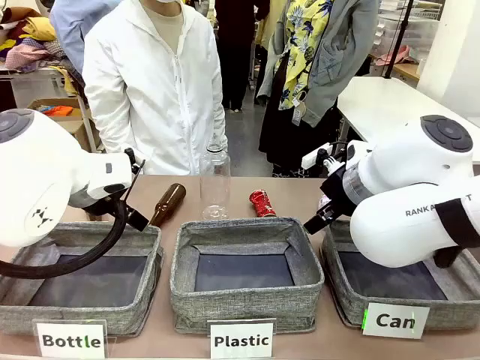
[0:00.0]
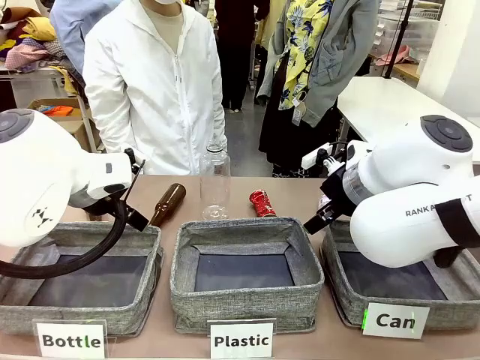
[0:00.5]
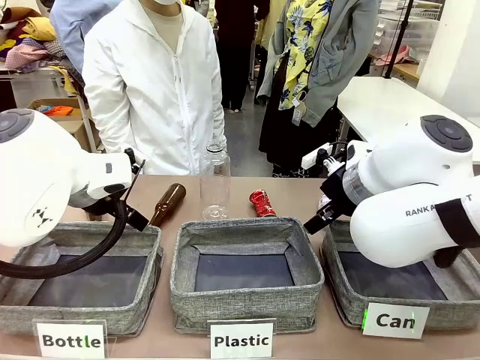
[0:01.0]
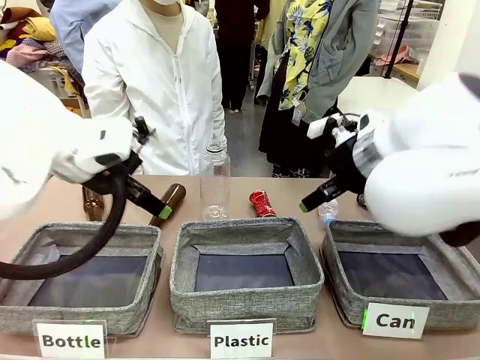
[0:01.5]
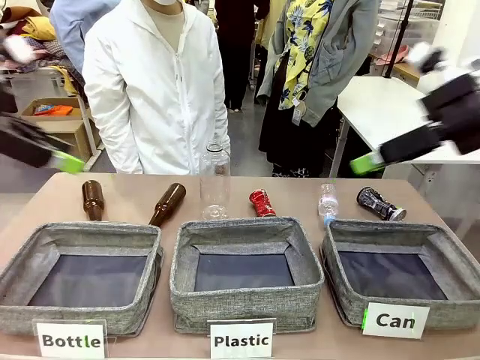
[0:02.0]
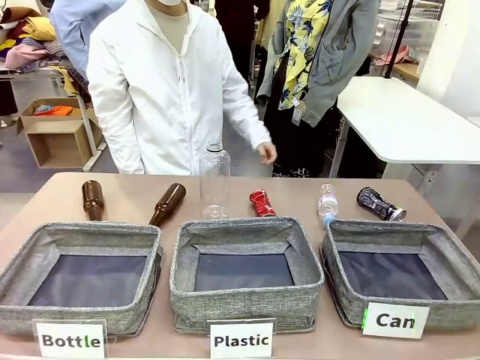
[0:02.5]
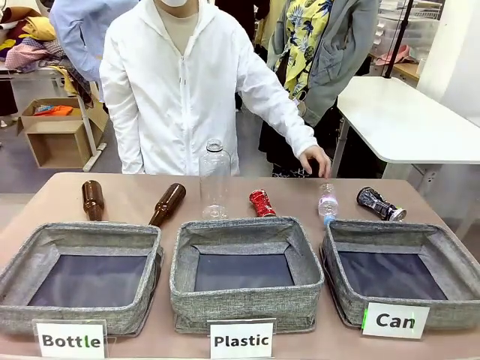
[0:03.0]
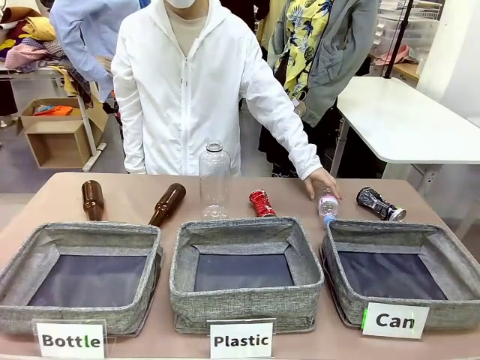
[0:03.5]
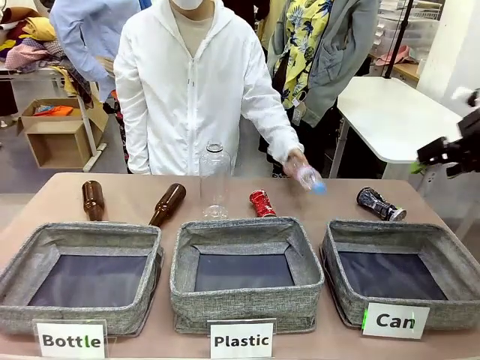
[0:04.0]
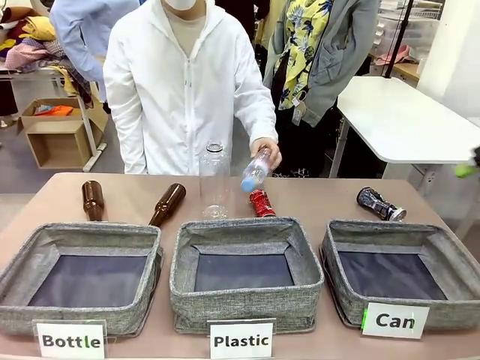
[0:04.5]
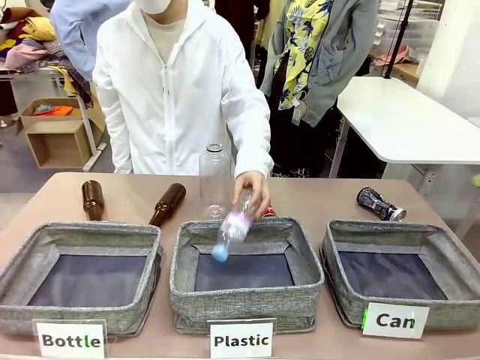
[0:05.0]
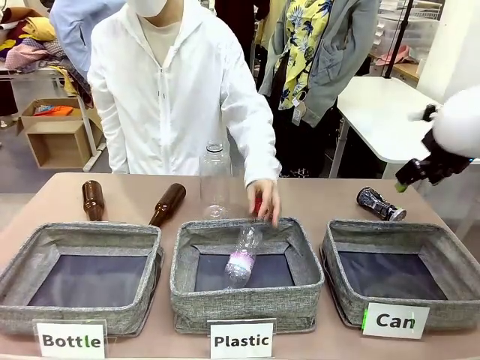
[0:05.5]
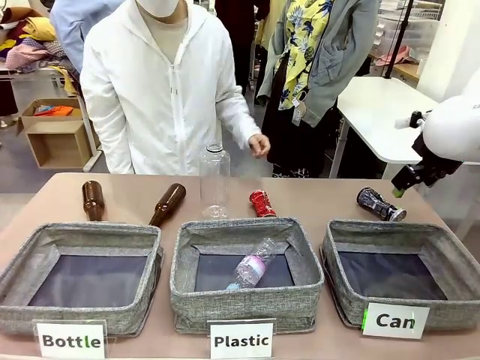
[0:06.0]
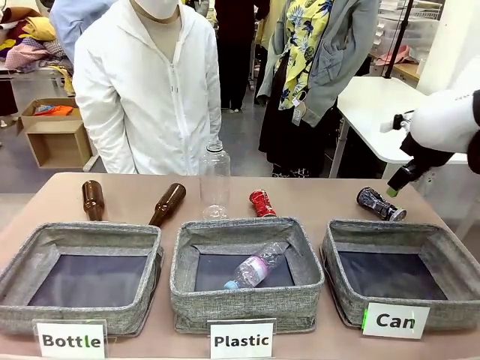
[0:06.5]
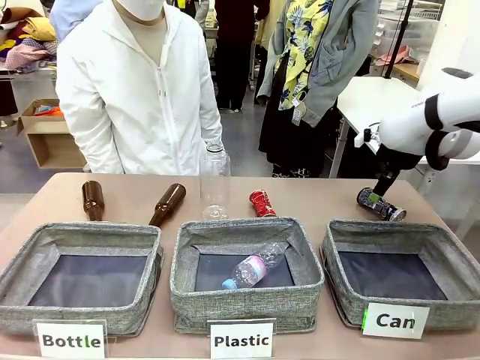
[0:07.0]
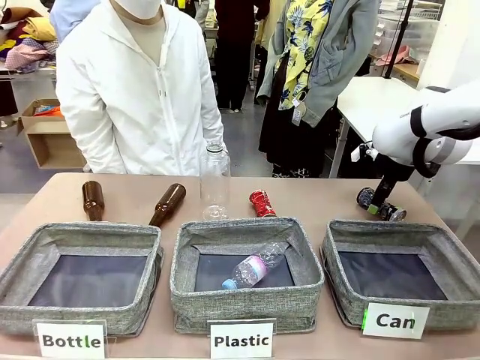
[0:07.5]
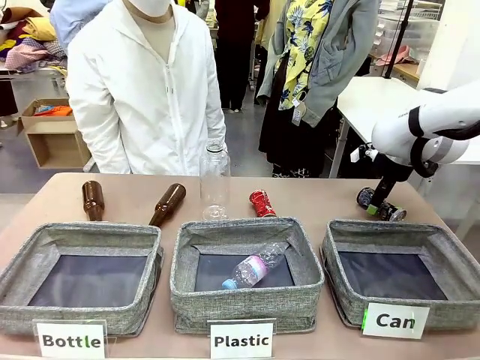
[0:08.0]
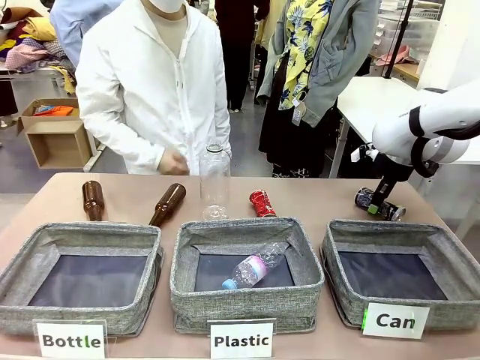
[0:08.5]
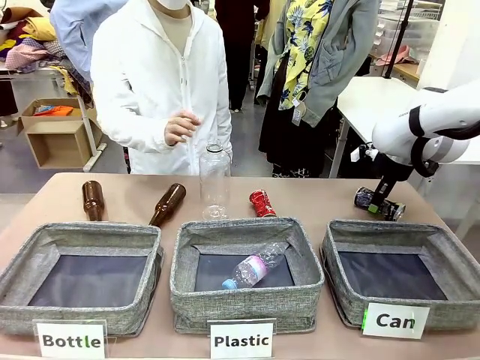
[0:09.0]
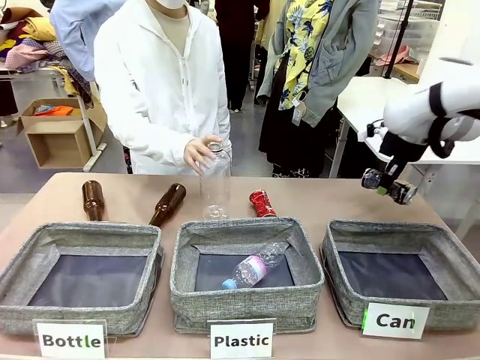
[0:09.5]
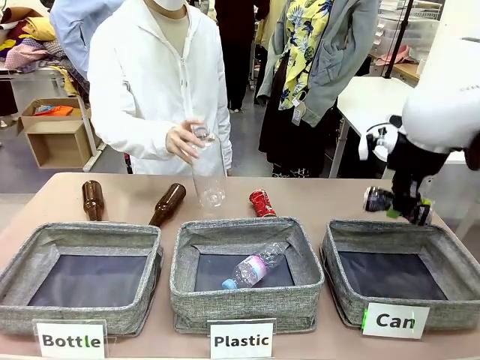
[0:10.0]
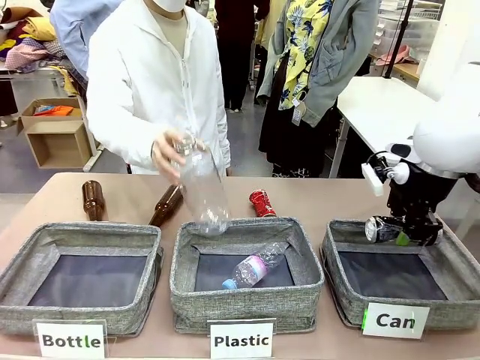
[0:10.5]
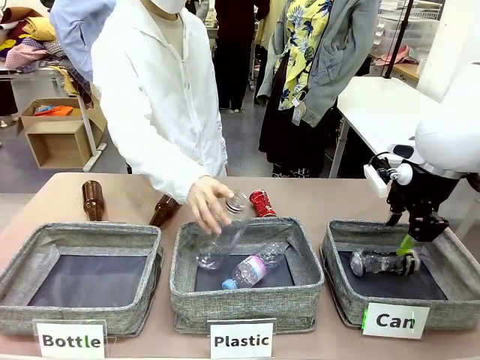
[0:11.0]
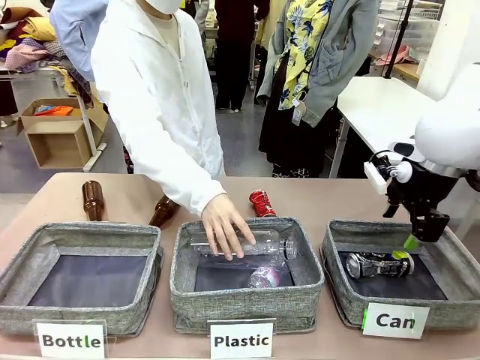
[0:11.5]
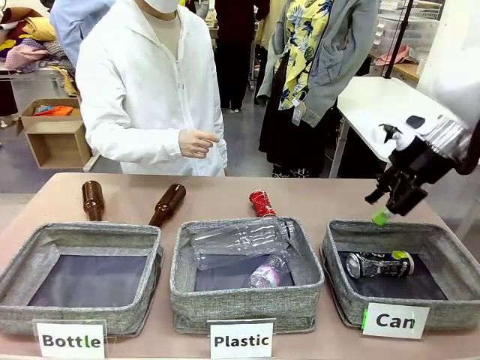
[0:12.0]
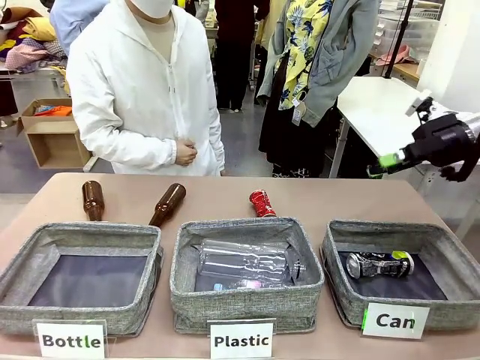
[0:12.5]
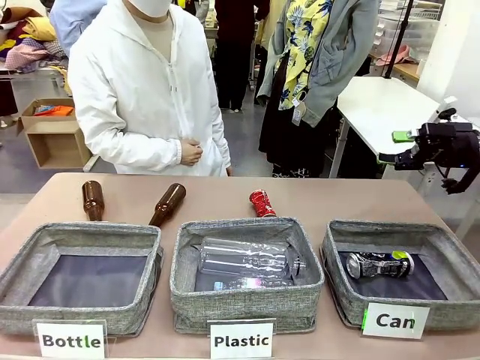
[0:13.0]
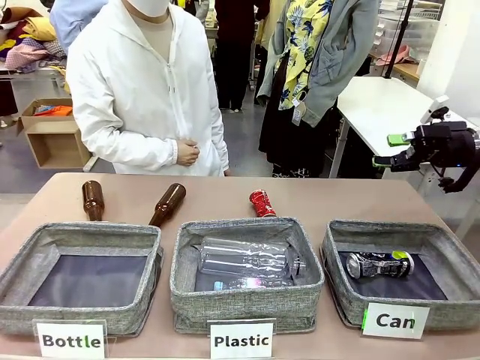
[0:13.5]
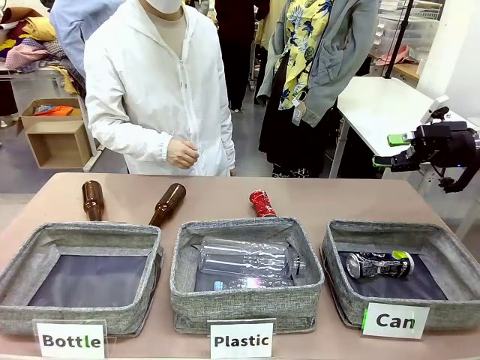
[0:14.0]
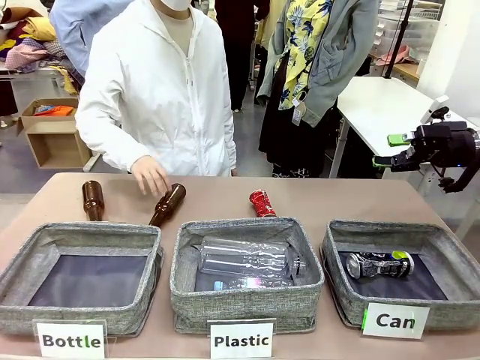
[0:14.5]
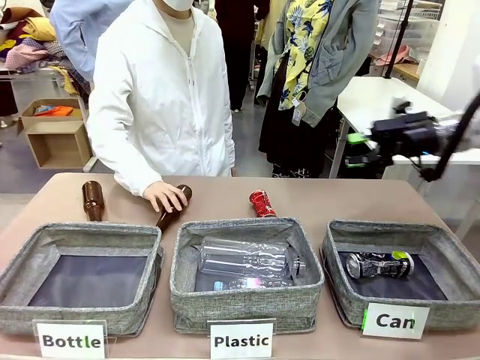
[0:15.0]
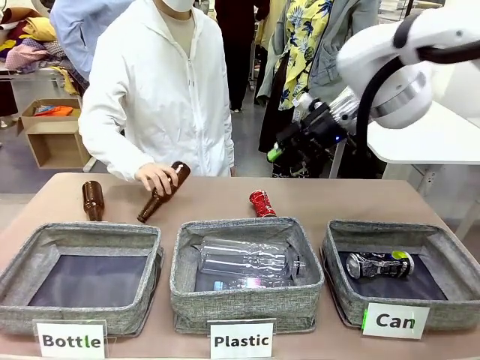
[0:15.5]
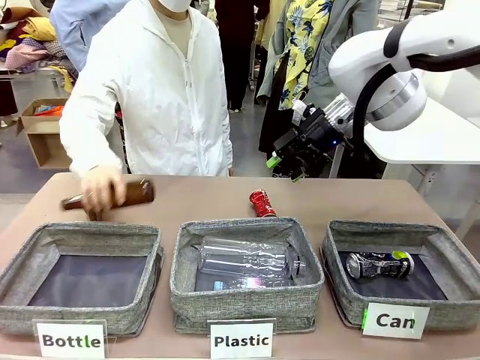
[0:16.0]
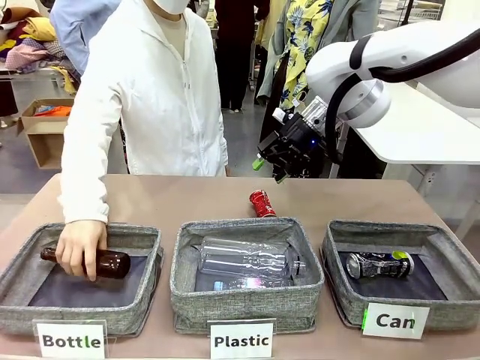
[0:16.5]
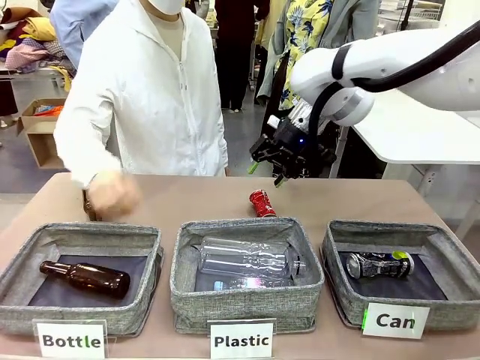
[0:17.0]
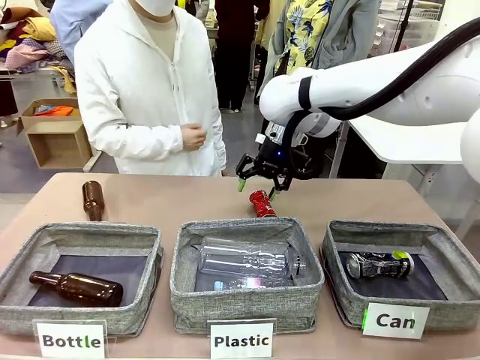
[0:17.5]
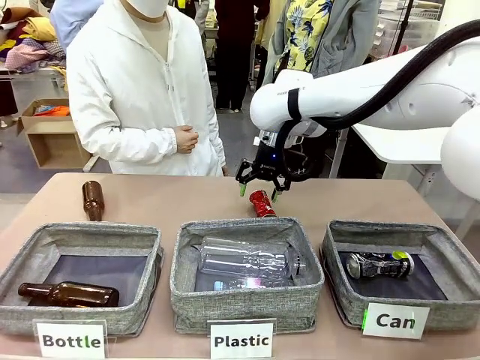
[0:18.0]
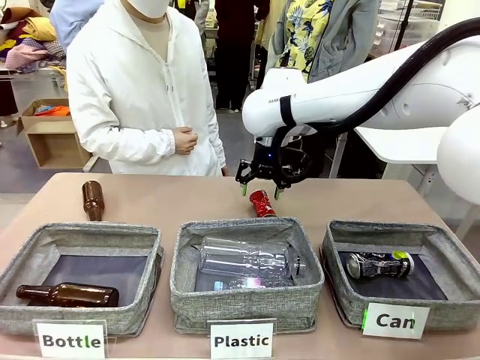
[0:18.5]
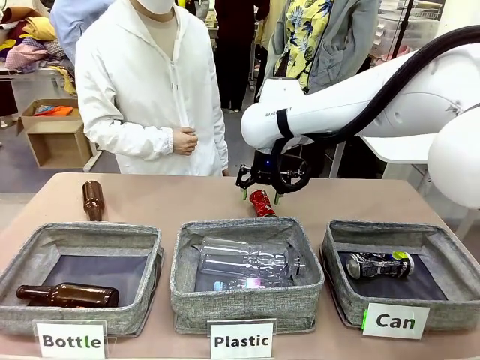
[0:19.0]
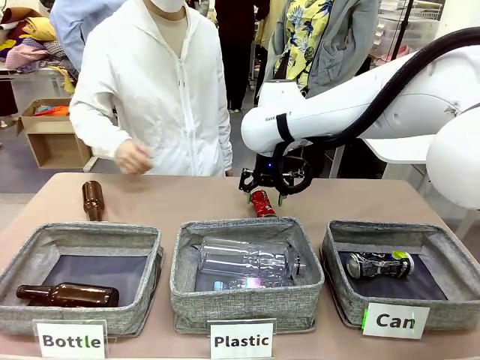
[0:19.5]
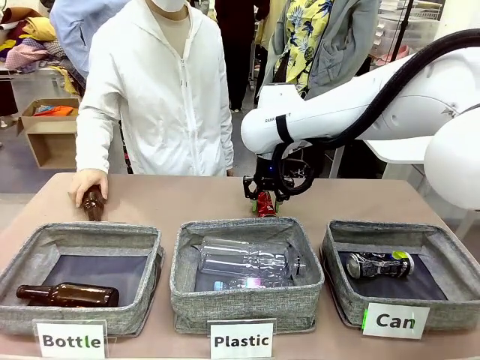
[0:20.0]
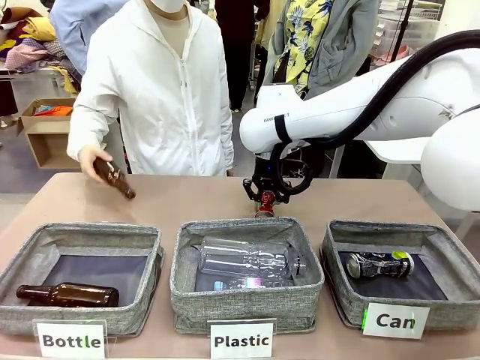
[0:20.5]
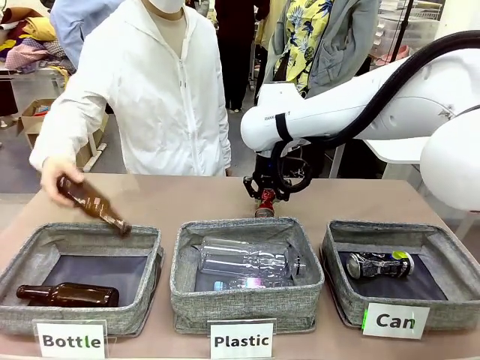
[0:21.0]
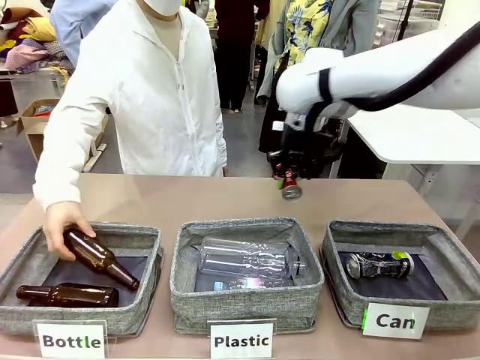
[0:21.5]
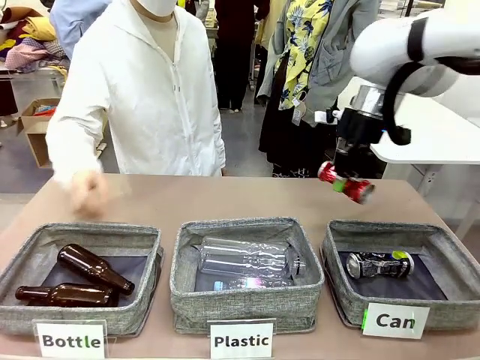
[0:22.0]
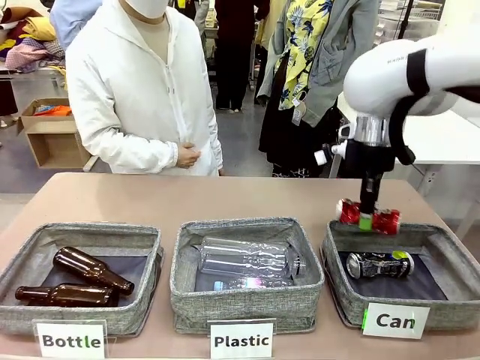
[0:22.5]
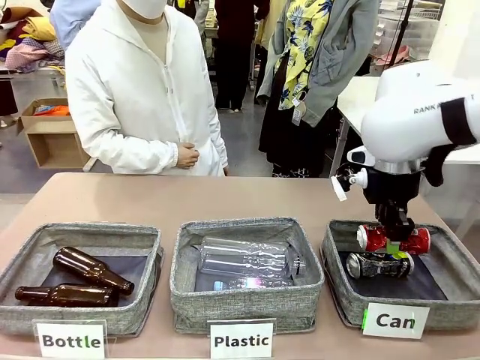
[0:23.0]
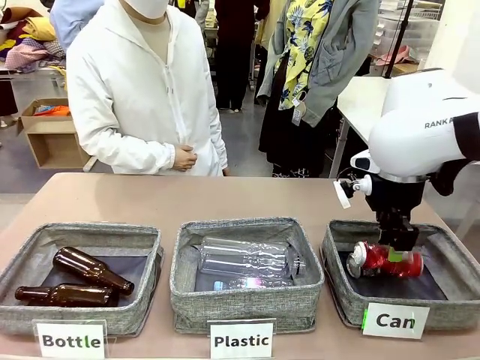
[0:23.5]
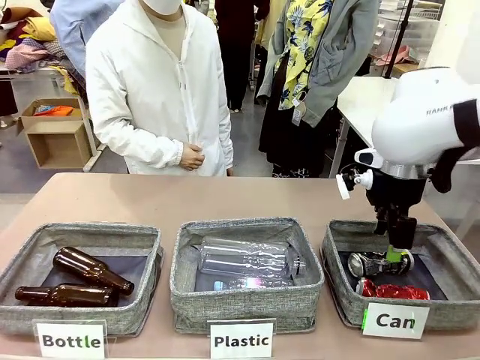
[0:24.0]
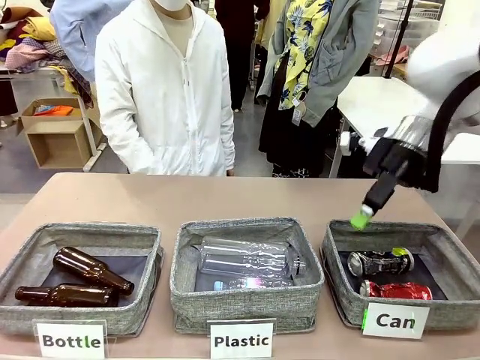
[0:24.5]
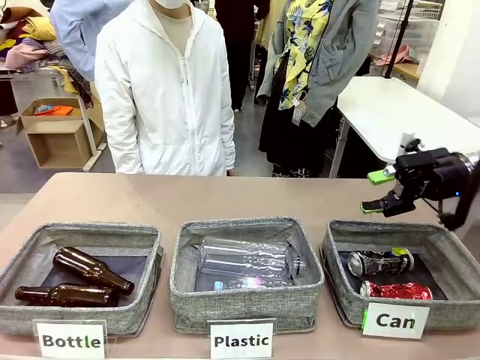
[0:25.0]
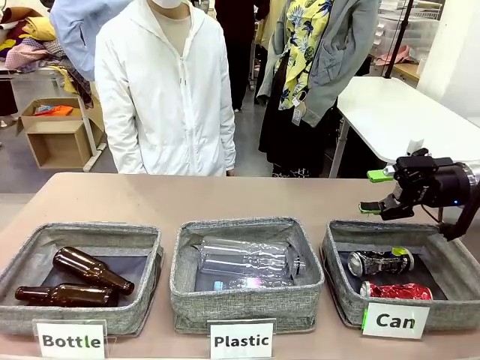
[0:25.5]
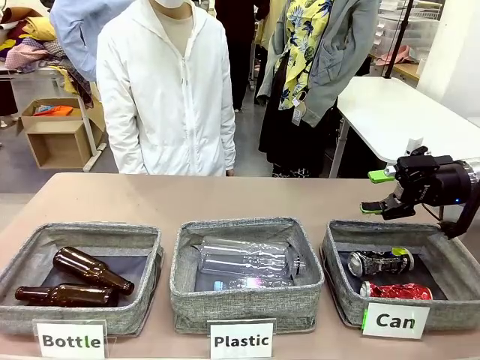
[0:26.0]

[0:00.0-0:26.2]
Task: Sort the can waste into the basket.
Robot: Pick up the can waste from the table and place it in the right Fabric basket.
Person: The human picks up one piece of trash that is not a can and places the trash into the appropriate organizing basket.
